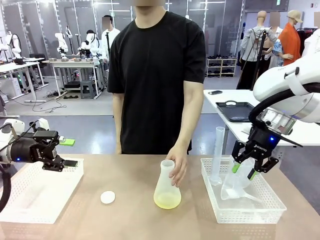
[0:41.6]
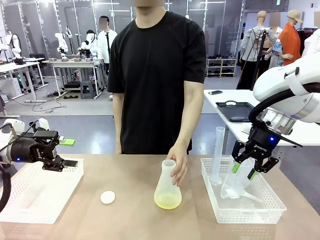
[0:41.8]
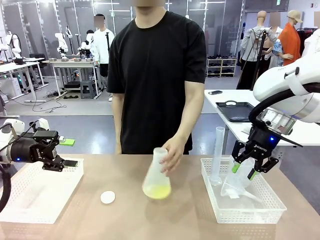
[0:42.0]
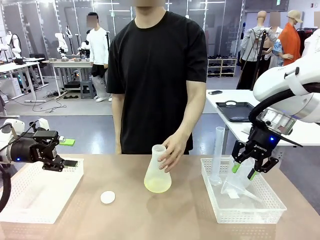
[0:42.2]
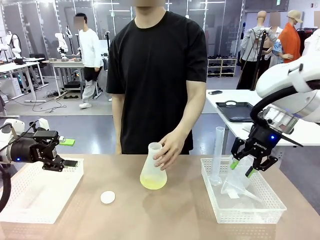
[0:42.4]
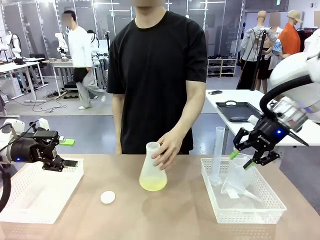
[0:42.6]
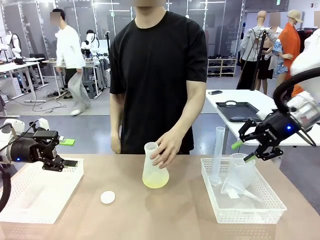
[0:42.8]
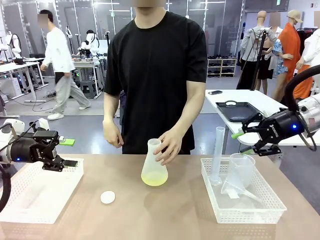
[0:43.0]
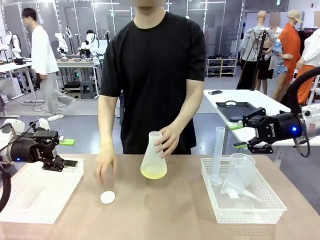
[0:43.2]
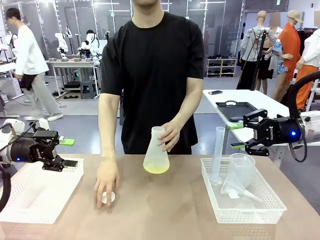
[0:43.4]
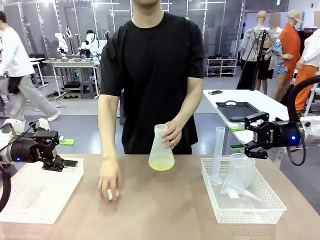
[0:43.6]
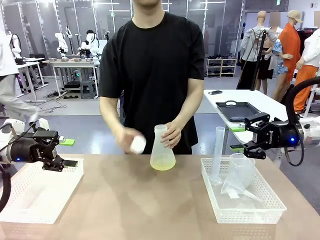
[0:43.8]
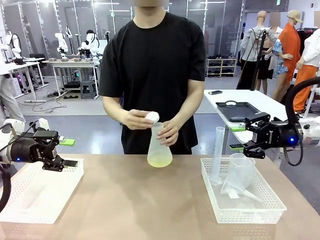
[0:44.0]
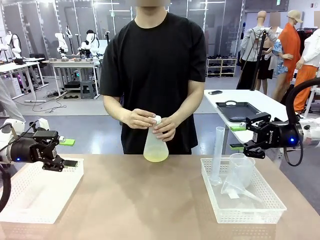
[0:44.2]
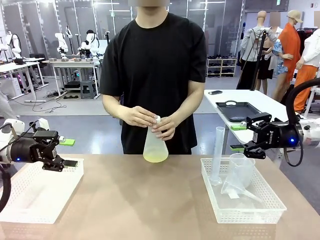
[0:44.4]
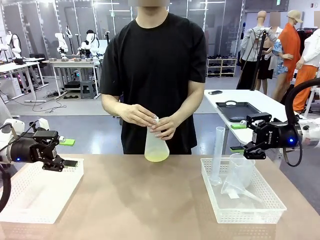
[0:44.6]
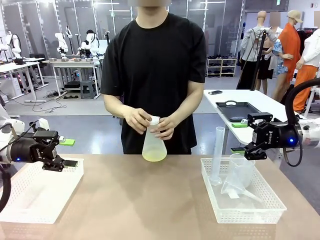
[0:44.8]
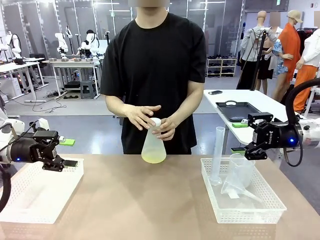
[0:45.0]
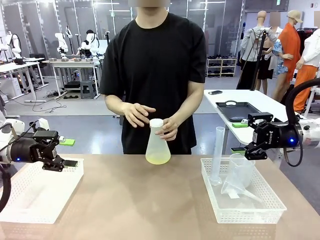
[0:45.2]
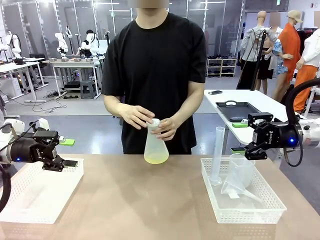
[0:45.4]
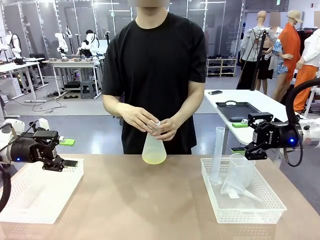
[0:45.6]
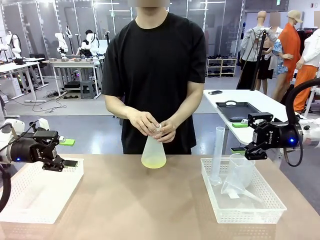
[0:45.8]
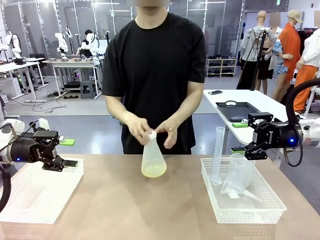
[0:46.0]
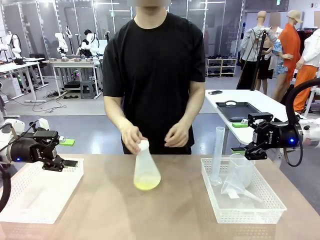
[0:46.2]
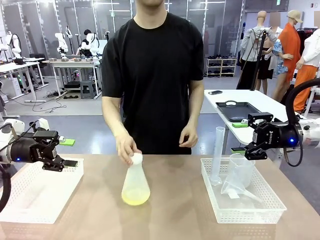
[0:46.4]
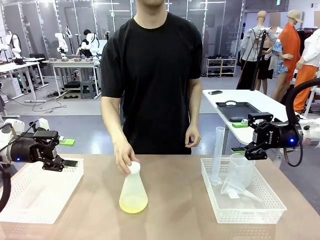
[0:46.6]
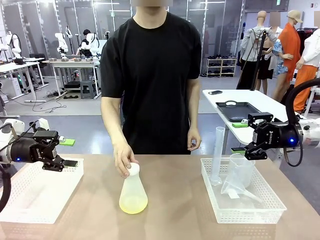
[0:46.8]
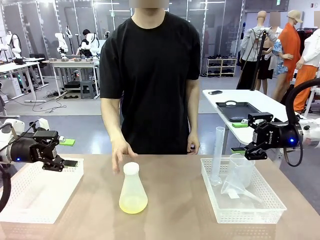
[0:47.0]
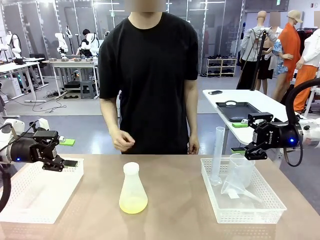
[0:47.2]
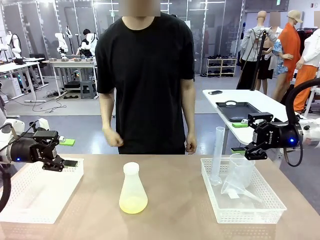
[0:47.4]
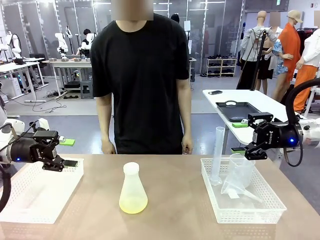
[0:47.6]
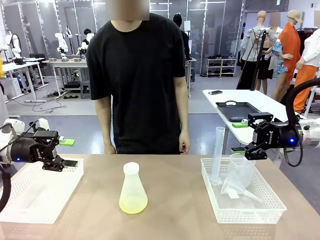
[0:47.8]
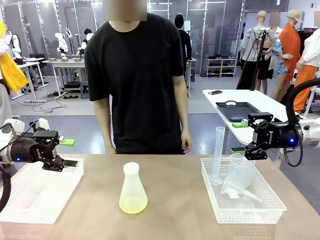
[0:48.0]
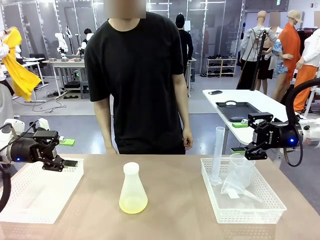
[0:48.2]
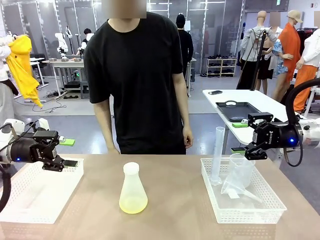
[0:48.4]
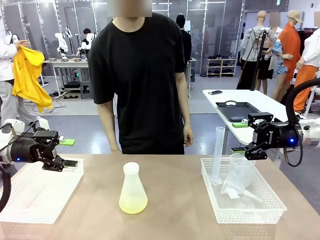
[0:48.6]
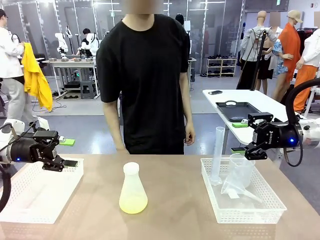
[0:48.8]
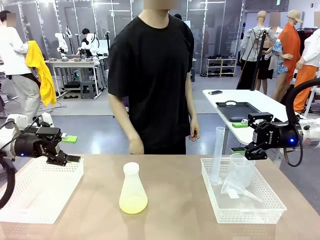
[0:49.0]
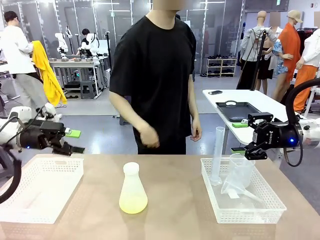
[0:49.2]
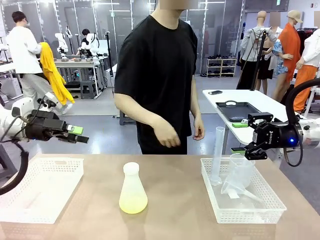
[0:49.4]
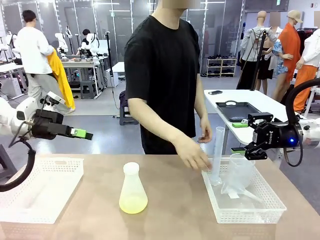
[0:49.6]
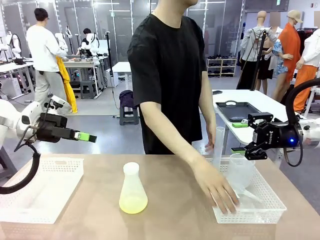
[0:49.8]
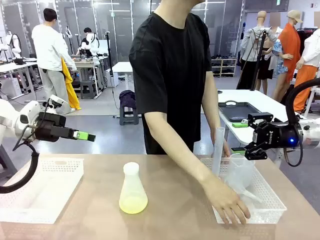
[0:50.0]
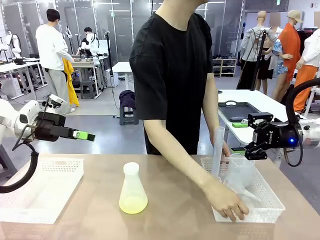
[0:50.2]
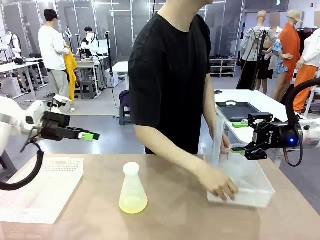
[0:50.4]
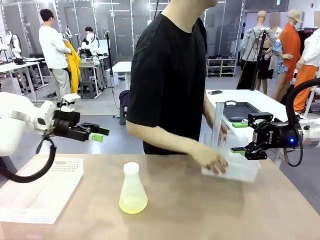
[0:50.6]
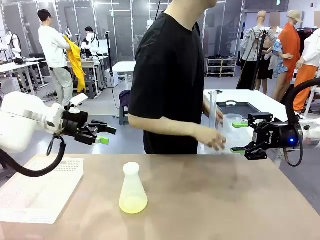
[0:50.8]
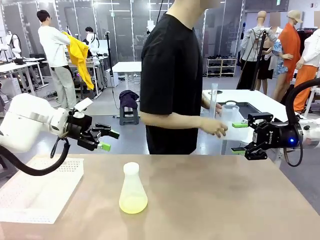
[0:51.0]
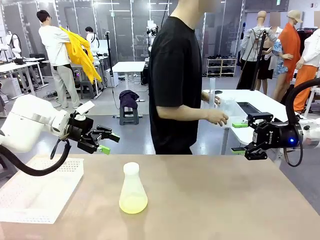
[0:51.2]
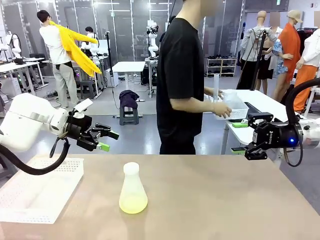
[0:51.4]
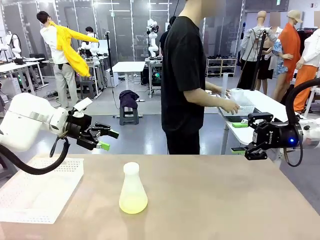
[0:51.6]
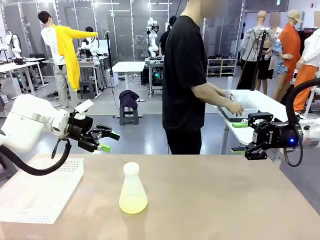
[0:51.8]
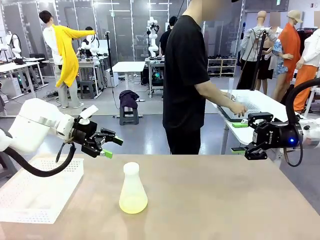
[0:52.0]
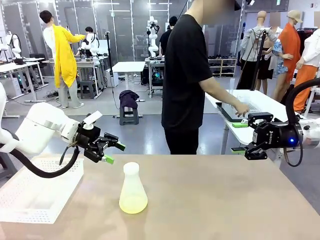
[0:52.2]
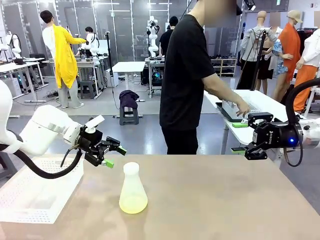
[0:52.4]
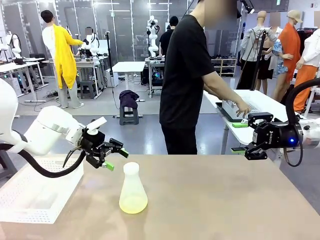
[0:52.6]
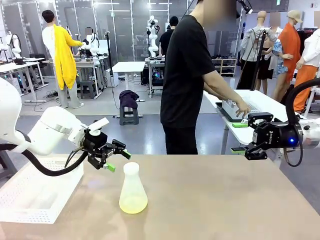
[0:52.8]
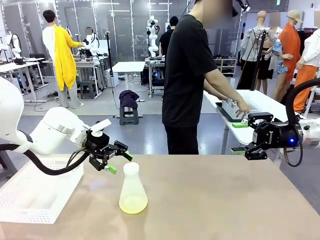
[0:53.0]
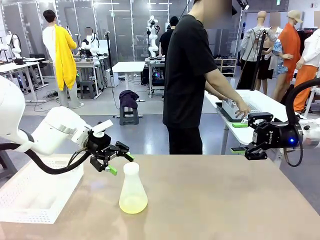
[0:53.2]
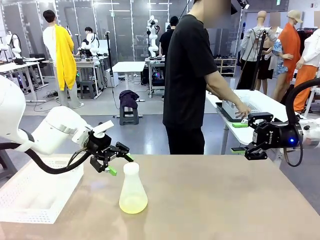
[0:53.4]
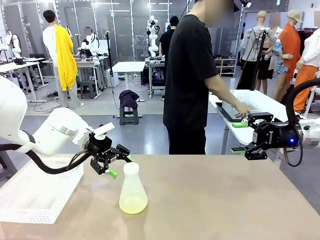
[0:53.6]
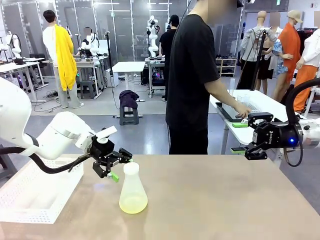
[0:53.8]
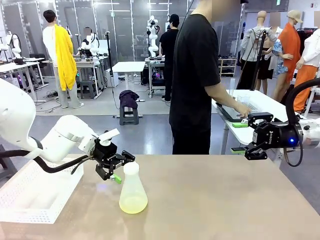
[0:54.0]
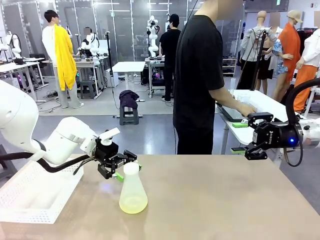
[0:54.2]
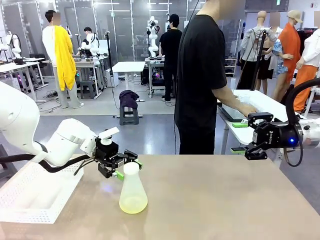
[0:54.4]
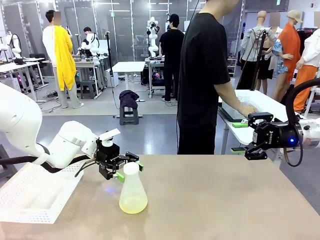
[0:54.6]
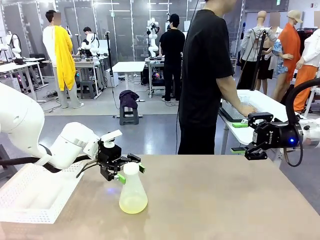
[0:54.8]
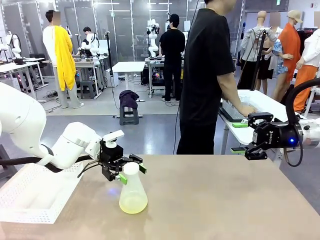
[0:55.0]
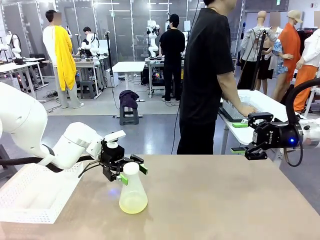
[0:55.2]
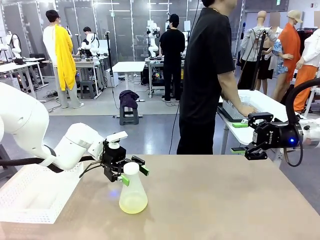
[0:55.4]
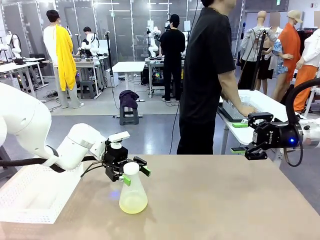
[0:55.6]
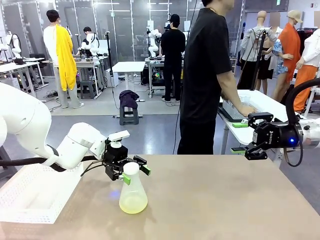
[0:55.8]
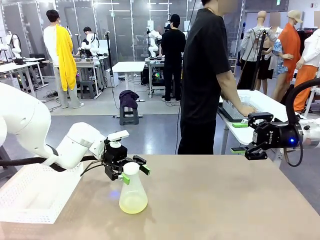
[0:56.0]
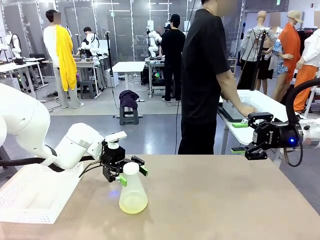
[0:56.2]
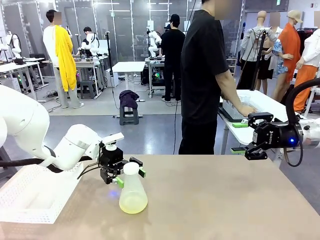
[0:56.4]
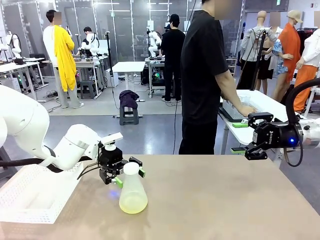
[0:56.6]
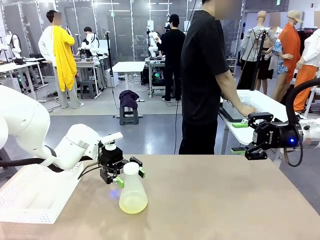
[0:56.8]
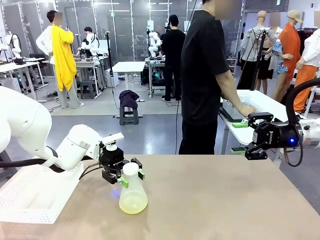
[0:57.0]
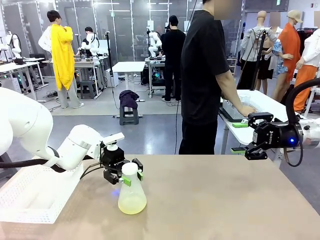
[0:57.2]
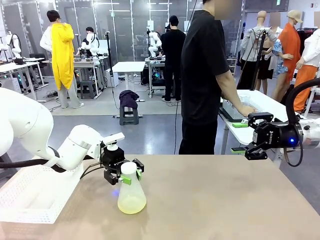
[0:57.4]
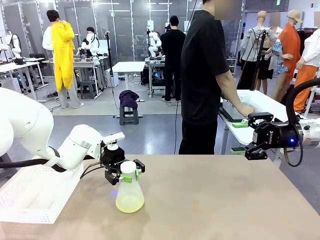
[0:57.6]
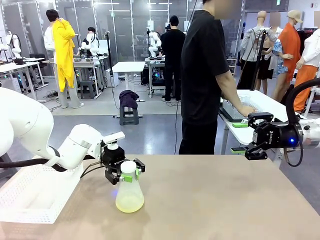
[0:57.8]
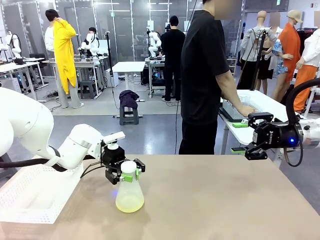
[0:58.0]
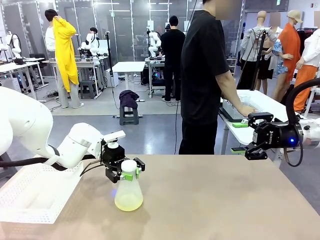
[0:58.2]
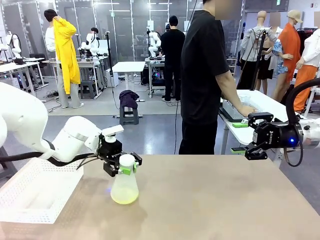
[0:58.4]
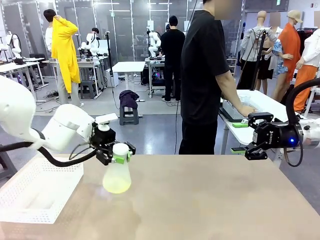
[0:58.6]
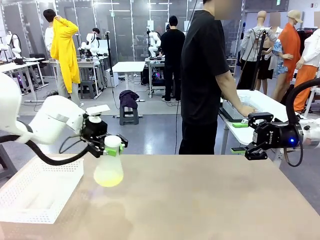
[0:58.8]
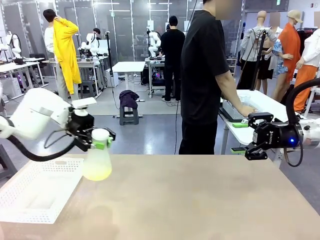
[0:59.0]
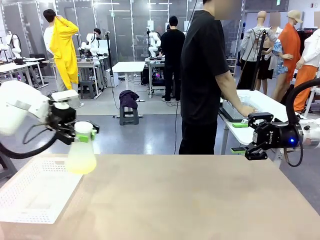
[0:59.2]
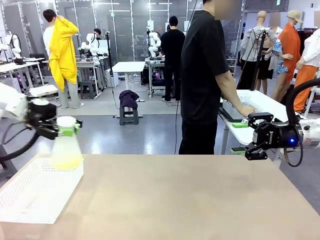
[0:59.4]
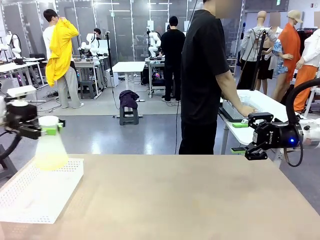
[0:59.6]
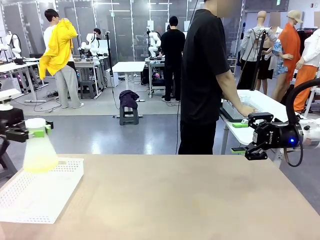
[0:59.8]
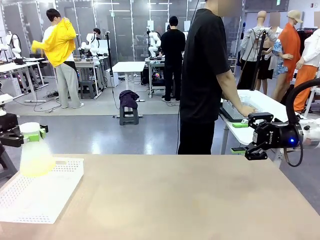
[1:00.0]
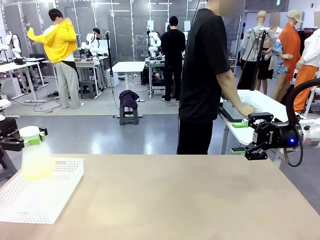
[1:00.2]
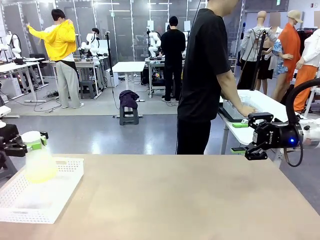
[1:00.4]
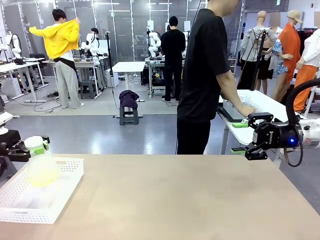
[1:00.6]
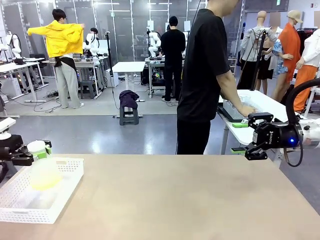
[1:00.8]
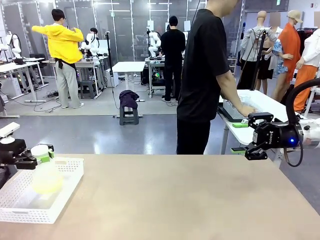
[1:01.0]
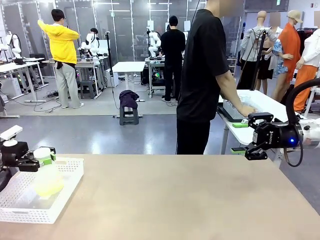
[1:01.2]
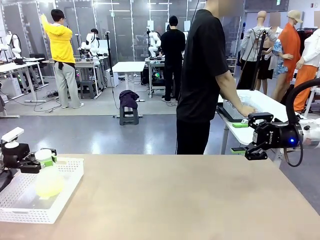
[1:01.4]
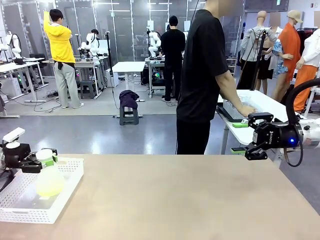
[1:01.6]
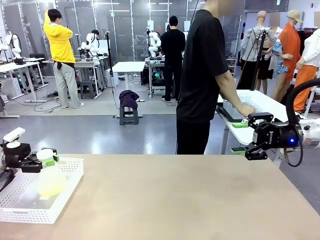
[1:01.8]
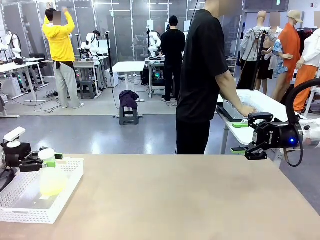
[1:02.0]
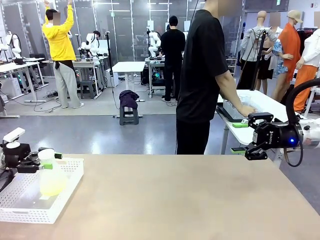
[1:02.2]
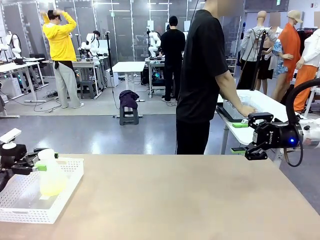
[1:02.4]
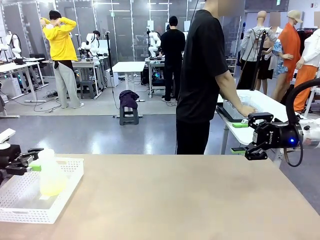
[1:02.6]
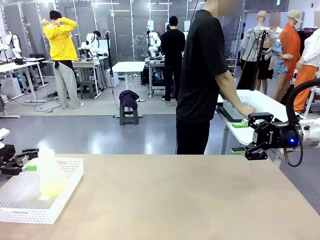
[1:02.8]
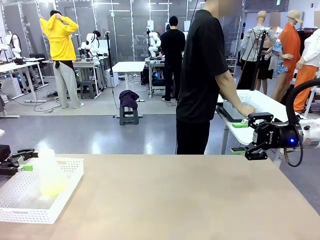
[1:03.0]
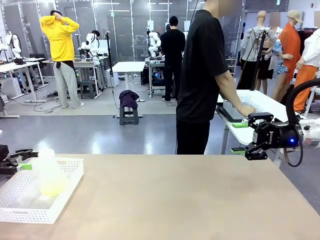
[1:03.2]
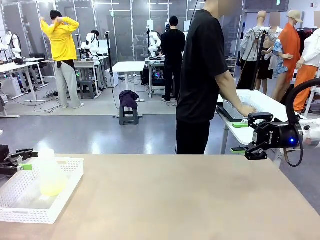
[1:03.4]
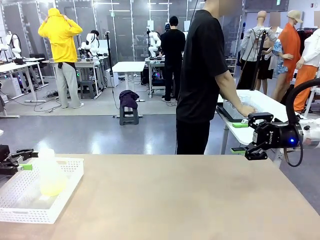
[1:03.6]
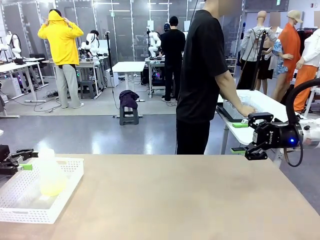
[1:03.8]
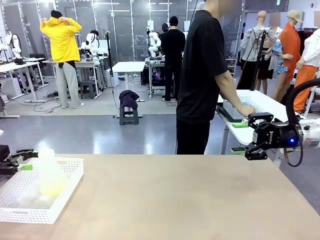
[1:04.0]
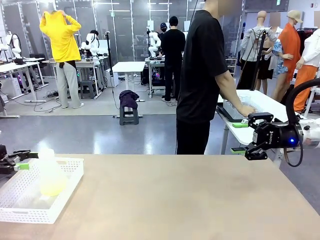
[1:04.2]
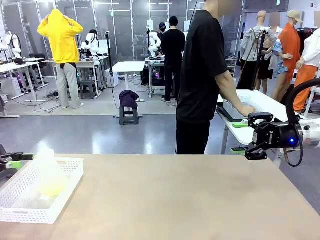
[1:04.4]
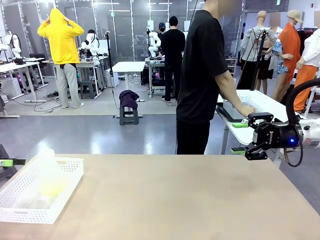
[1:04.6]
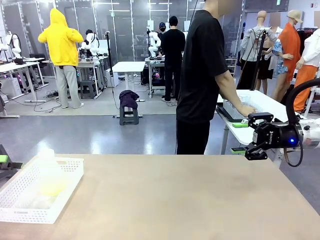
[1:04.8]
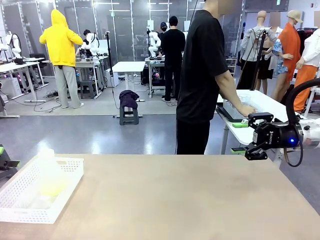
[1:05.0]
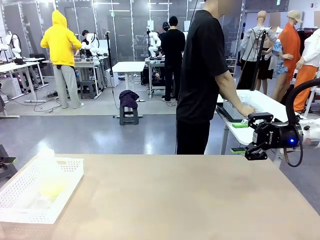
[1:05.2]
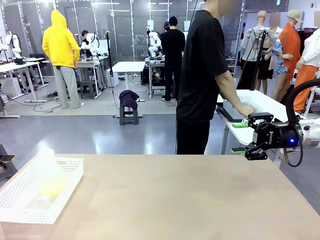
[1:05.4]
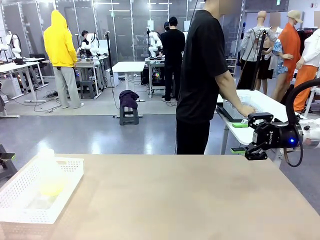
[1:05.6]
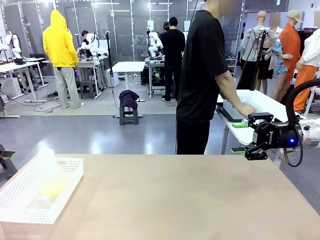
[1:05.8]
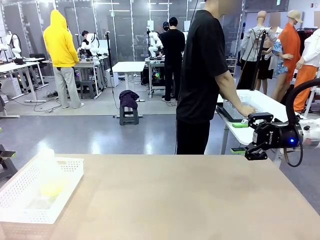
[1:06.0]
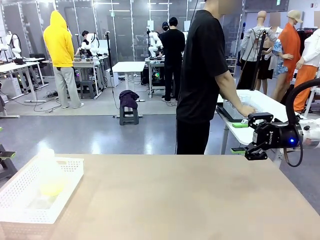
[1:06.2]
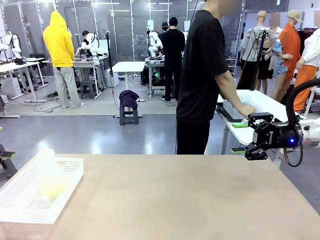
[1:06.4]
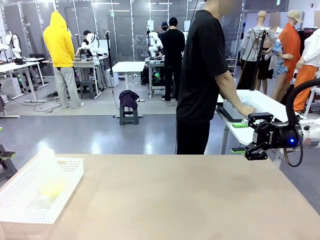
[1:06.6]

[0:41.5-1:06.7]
Task: Prepare the solutions needed for the experiment.
Robot: When the human places the Big flask in the center of the table, pick up the Big flask and place it in the left Organizing basket.
Person: Pick up the organizing basket on the left side of the robot table and place it on the left side of the human table.
